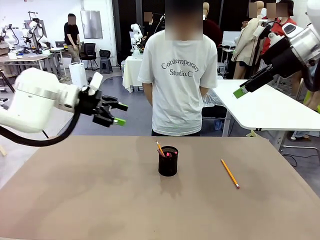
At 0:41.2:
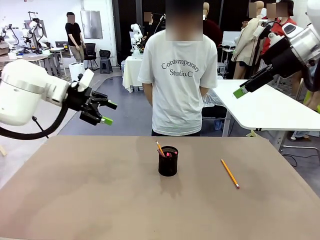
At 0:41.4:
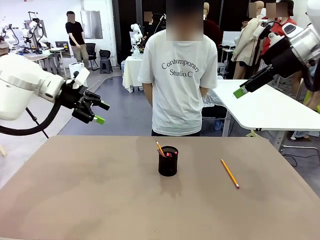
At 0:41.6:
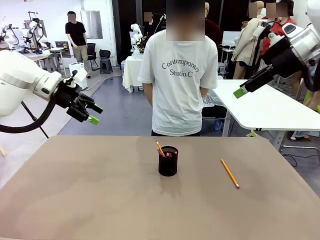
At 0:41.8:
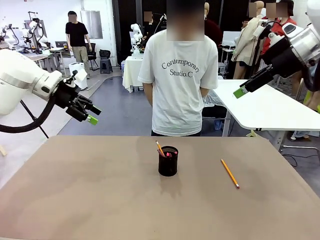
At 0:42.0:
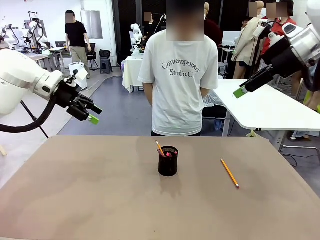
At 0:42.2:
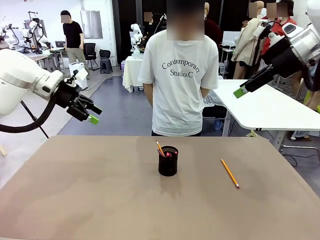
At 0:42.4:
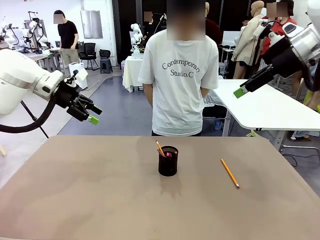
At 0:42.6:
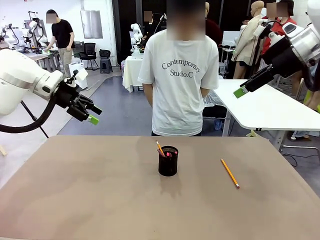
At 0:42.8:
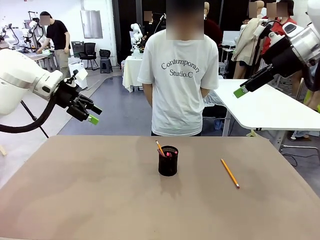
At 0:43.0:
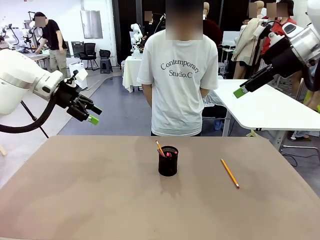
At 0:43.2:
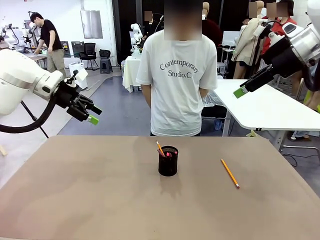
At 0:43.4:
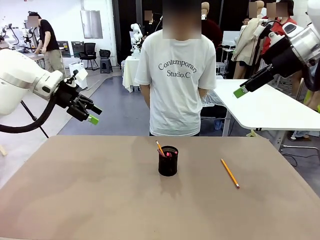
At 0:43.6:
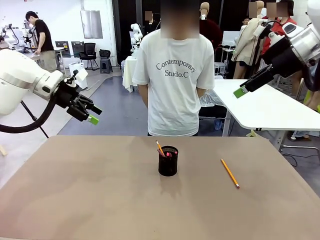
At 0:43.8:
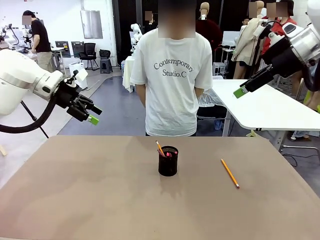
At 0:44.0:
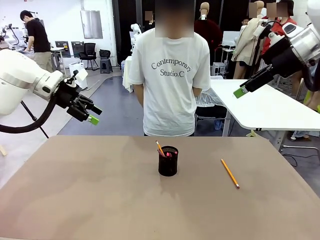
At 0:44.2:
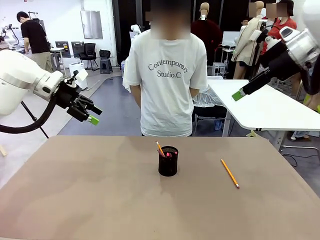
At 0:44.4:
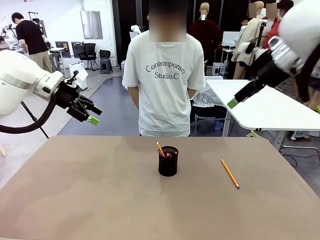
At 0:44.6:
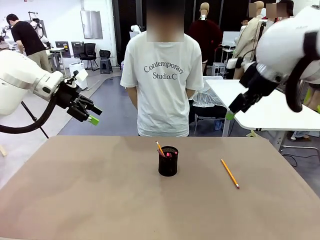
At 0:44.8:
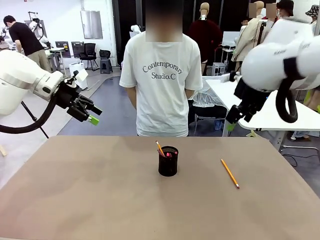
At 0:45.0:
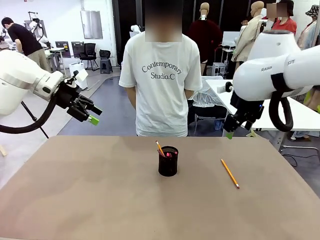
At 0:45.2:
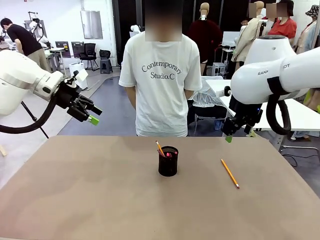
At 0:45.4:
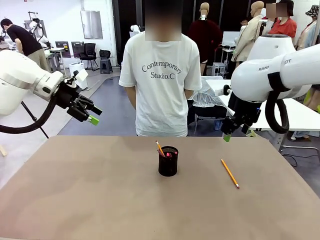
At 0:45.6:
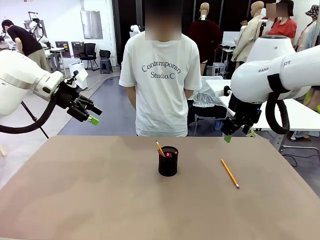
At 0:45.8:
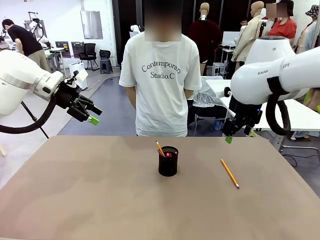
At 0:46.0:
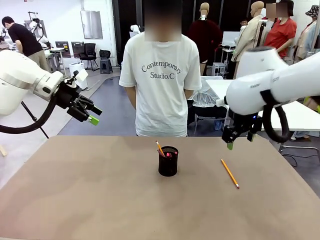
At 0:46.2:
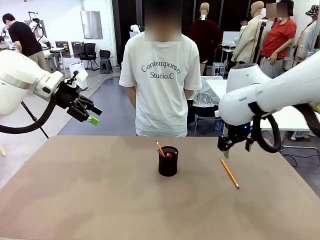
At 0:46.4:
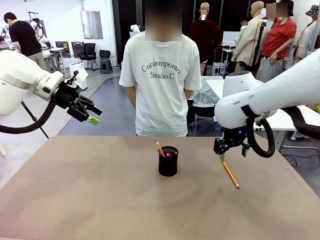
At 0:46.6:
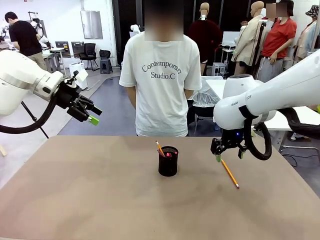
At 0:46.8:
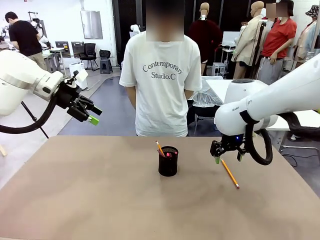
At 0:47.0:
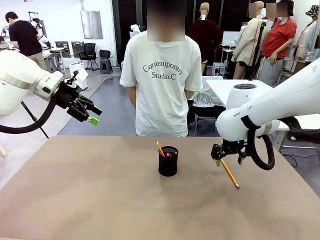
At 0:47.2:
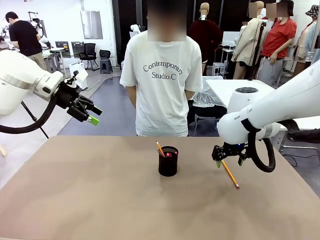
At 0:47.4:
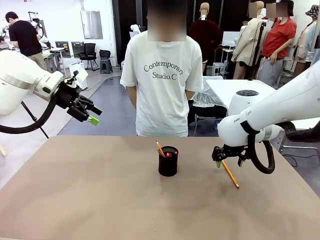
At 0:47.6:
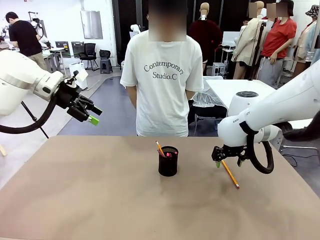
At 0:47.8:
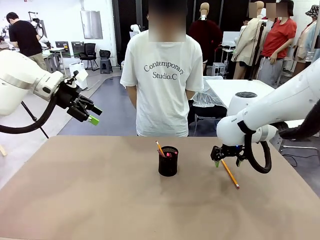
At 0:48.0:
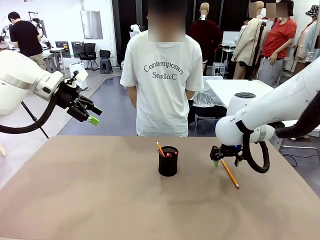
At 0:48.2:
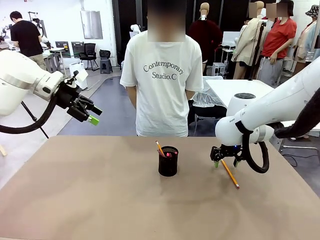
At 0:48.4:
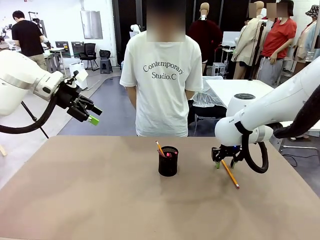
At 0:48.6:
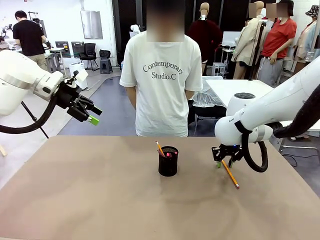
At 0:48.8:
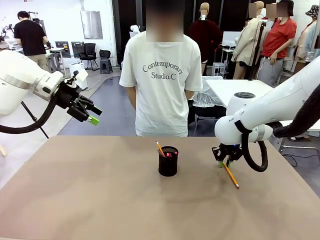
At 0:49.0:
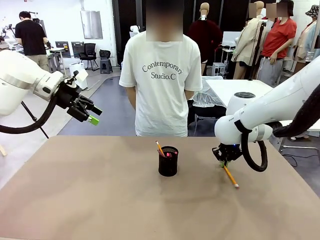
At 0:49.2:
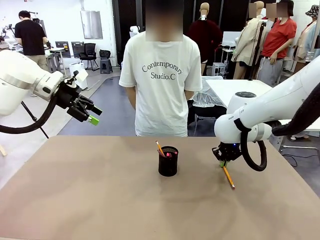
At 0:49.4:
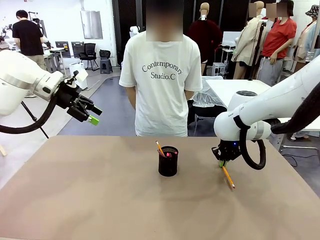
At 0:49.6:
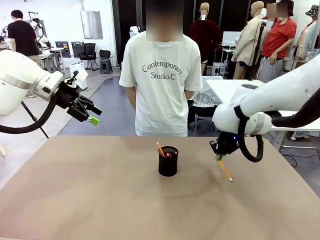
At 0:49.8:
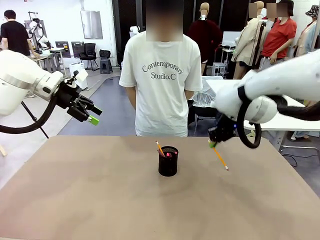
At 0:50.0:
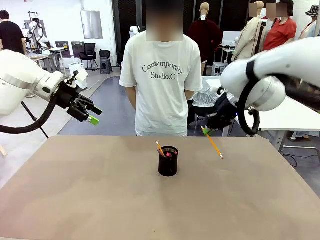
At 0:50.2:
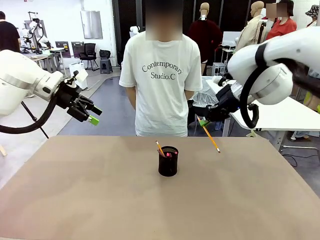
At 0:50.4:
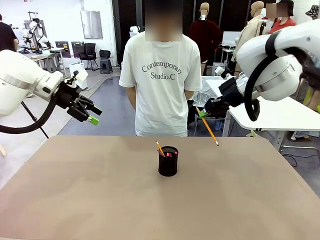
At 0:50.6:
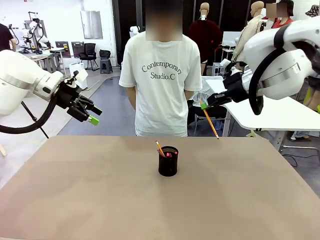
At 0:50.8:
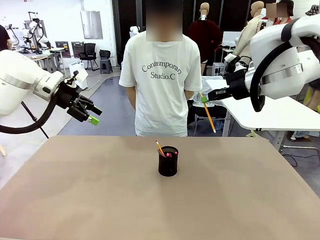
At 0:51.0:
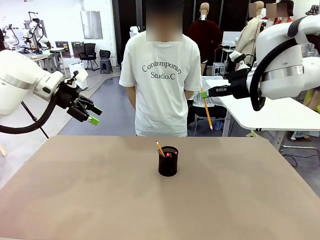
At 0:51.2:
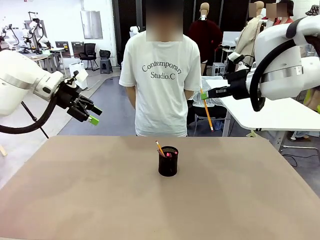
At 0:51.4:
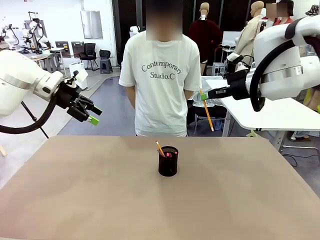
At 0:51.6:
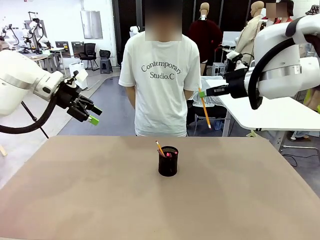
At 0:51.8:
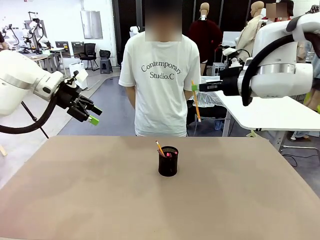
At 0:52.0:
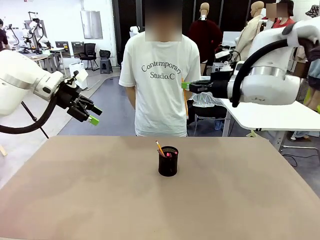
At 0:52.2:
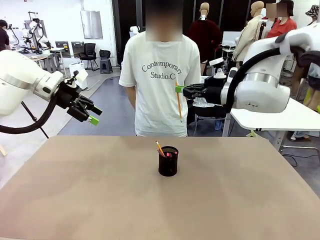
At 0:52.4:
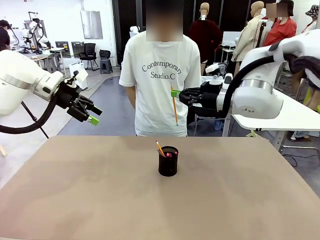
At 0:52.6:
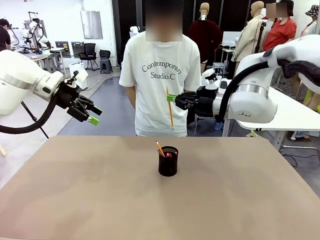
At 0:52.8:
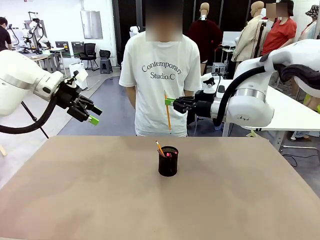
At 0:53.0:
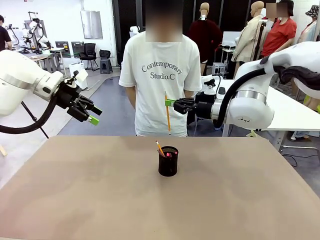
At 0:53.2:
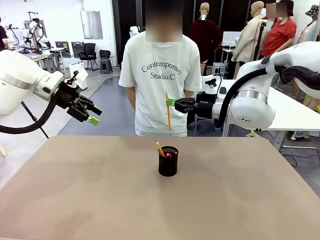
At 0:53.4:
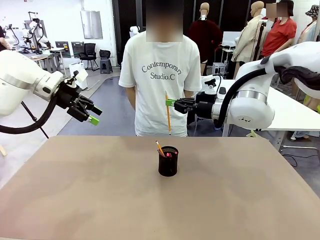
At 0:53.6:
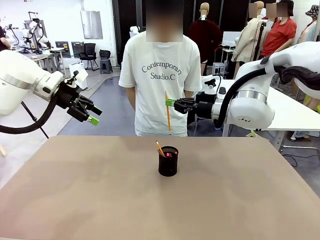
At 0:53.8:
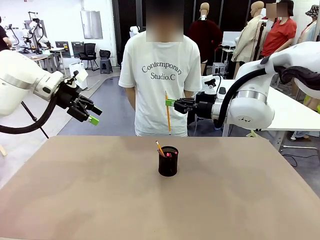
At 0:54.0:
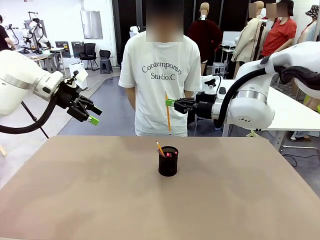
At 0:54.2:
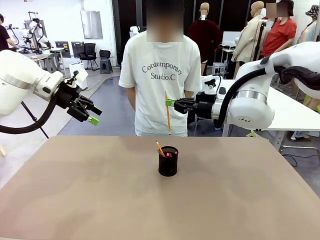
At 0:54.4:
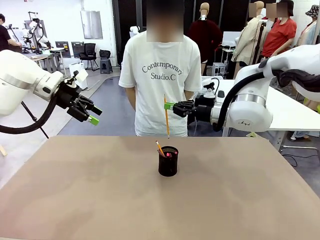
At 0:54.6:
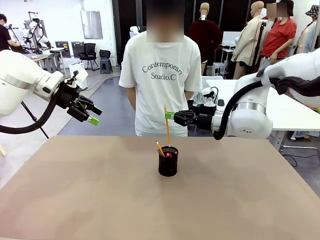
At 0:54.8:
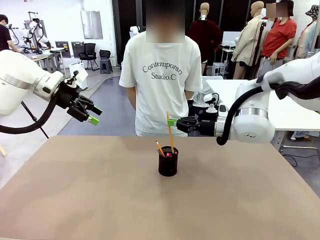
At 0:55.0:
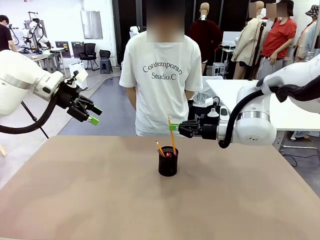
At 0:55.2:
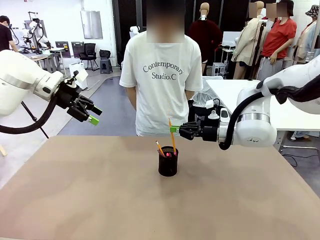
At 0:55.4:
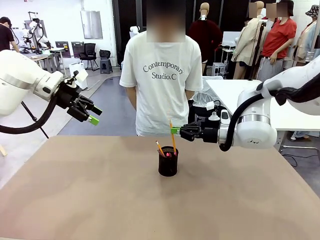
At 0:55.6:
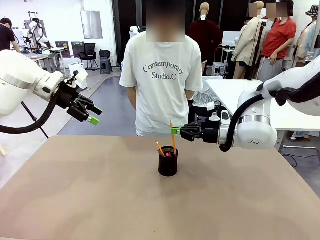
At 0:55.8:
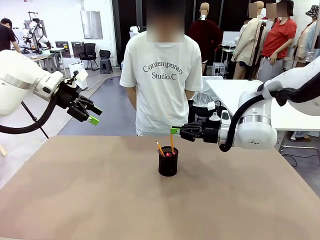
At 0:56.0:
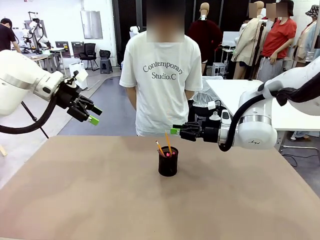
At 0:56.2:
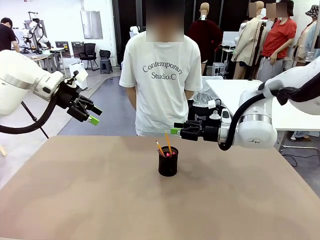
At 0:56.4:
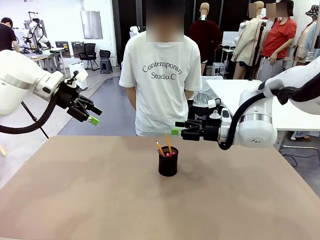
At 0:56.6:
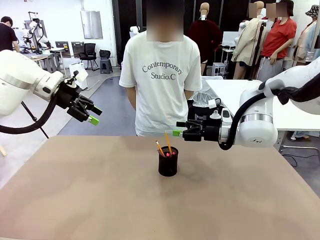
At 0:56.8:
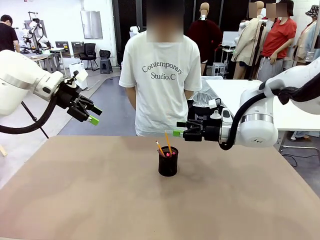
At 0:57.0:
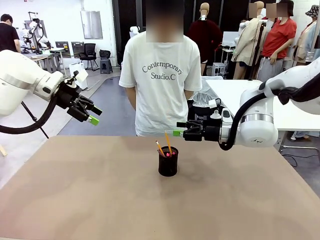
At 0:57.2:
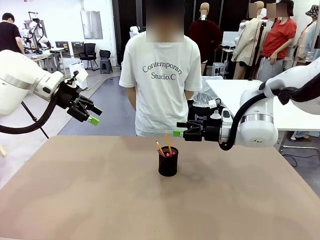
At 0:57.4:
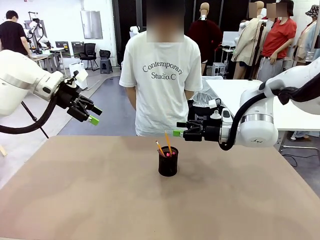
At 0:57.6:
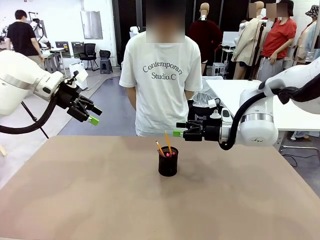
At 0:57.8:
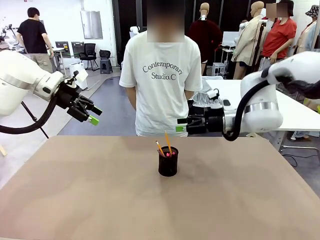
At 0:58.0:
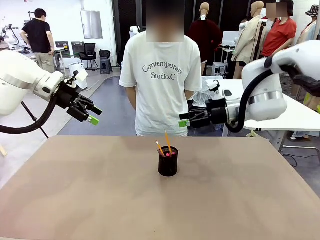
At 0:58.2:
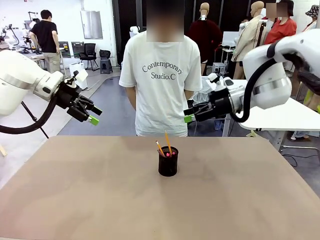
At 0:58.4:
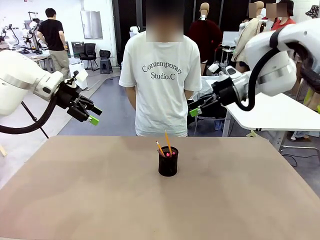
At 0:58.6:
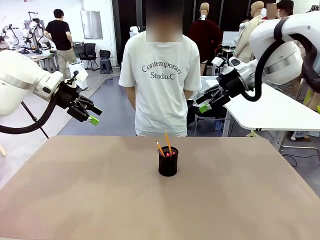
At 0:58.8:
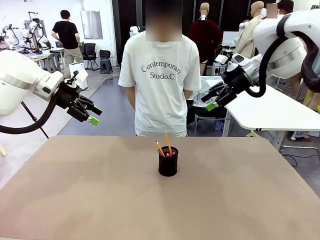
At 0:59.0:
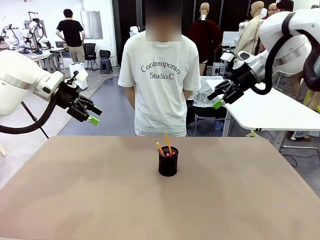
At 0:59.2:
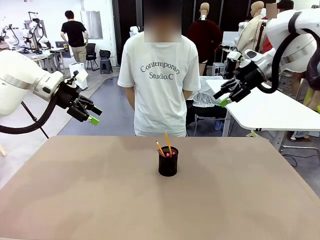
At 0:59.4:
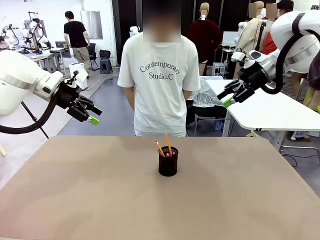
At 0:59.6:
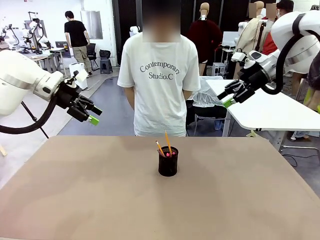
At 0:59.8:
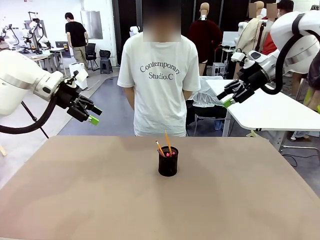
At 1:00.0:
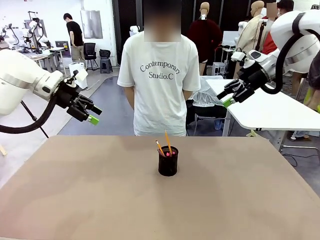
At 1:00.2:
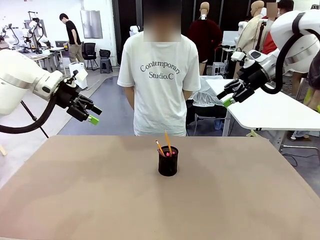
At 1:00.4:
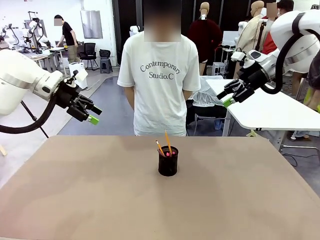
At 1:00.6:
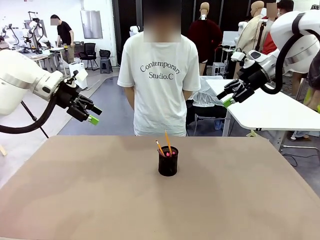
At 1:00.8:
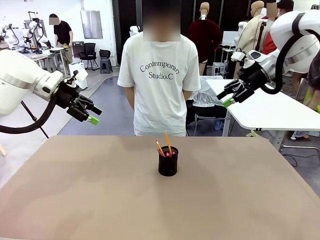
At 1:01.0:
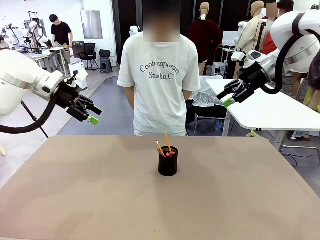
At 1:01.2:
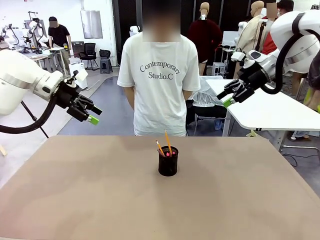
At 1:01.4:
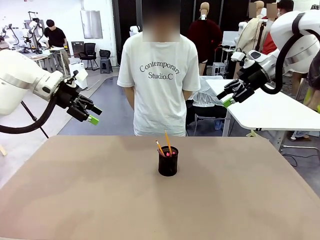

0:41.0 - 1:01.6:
Task: Place the pens into the pen holder.
Robot: Pick up a writing instrument from the table and place it into the Pen holder.
